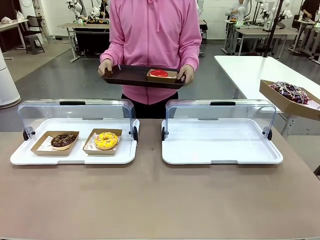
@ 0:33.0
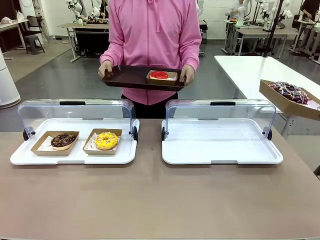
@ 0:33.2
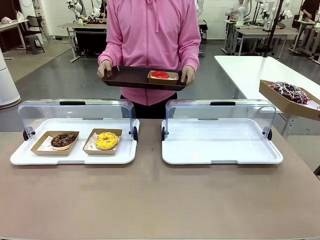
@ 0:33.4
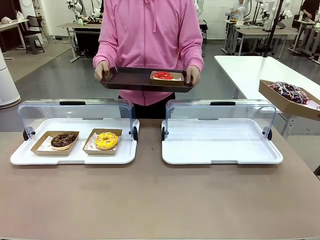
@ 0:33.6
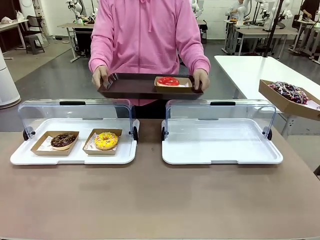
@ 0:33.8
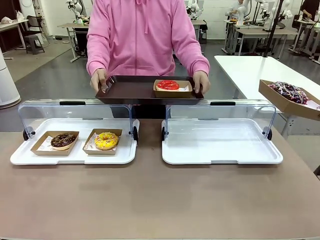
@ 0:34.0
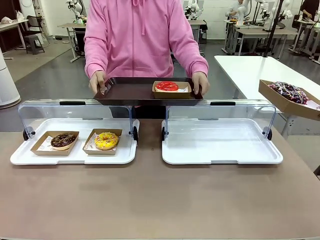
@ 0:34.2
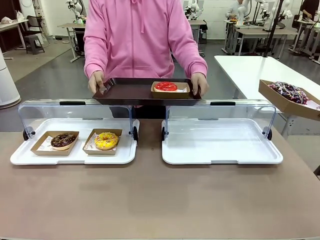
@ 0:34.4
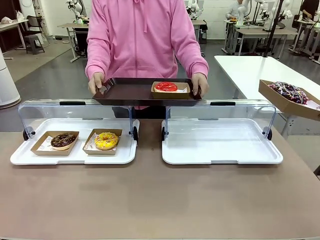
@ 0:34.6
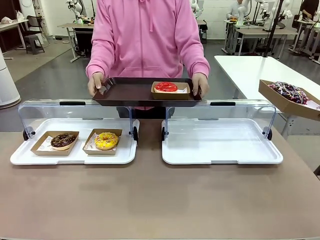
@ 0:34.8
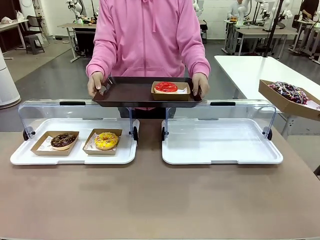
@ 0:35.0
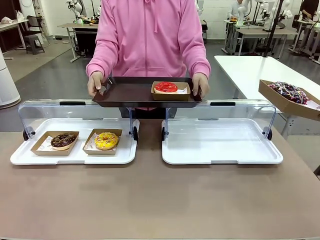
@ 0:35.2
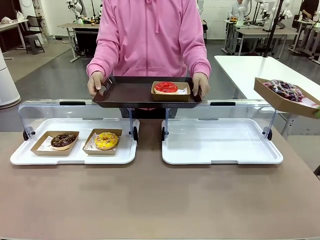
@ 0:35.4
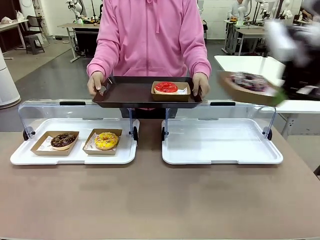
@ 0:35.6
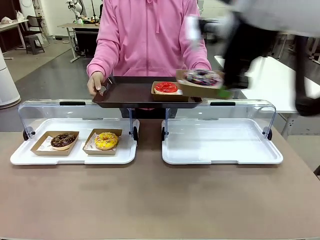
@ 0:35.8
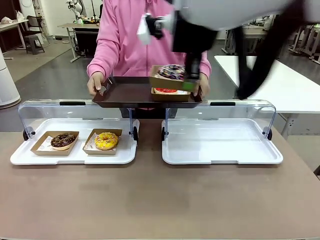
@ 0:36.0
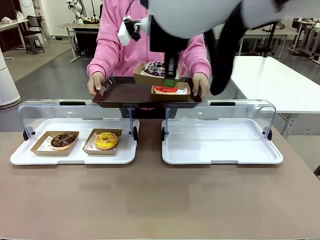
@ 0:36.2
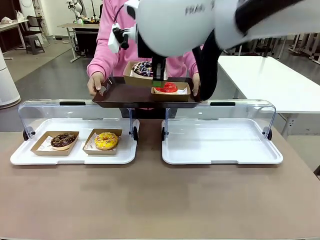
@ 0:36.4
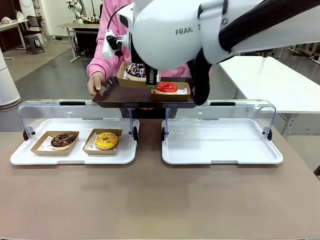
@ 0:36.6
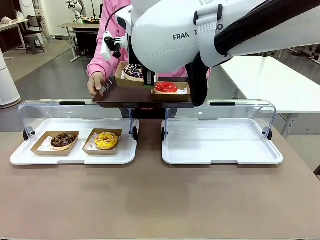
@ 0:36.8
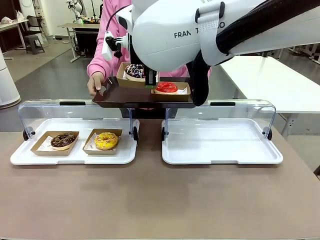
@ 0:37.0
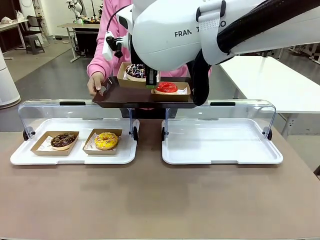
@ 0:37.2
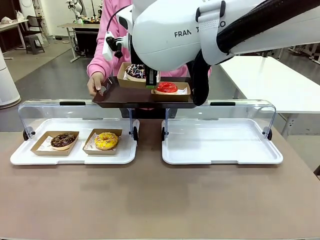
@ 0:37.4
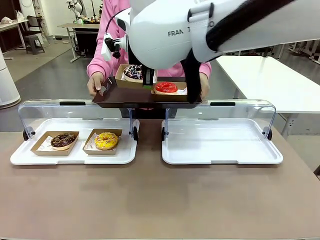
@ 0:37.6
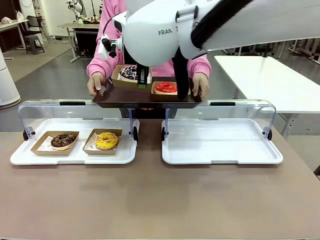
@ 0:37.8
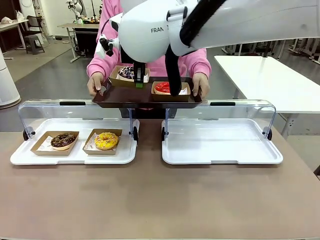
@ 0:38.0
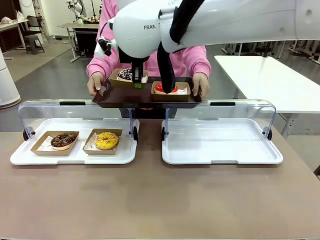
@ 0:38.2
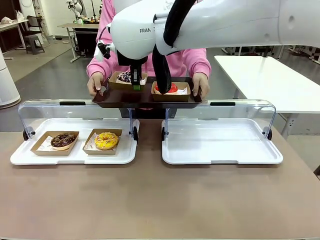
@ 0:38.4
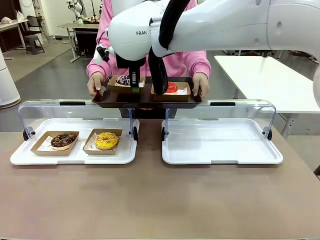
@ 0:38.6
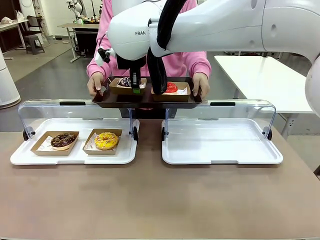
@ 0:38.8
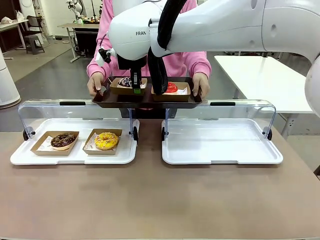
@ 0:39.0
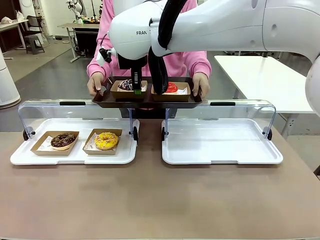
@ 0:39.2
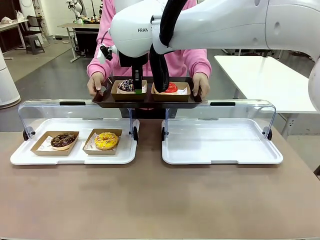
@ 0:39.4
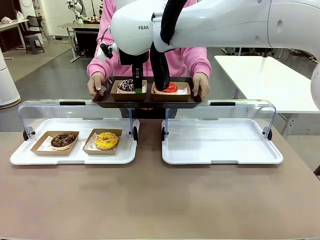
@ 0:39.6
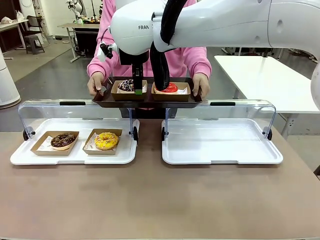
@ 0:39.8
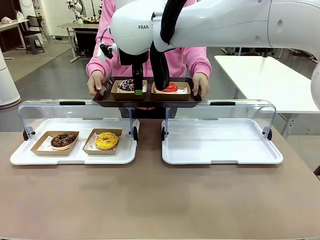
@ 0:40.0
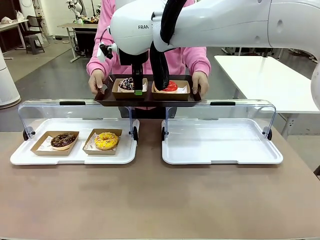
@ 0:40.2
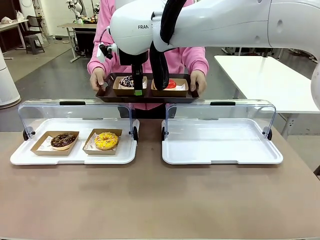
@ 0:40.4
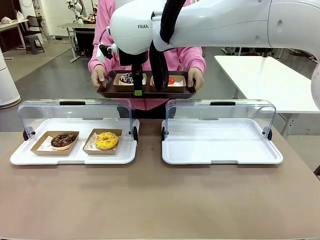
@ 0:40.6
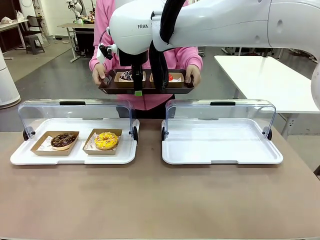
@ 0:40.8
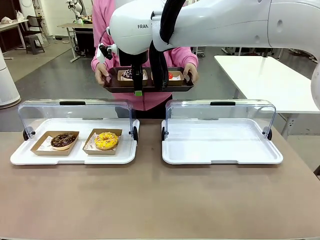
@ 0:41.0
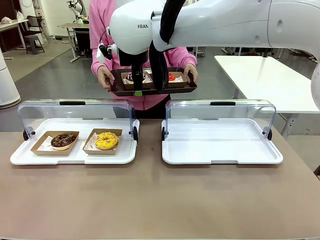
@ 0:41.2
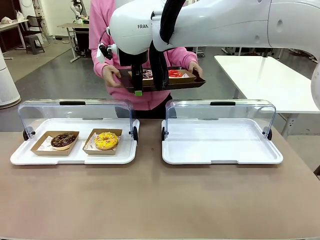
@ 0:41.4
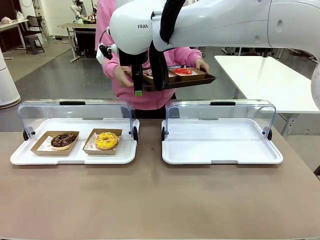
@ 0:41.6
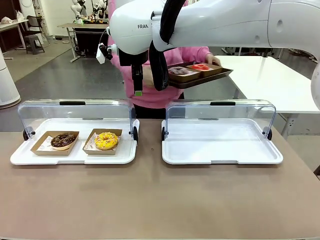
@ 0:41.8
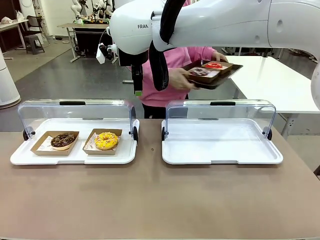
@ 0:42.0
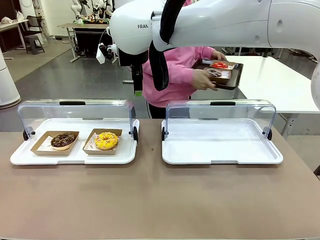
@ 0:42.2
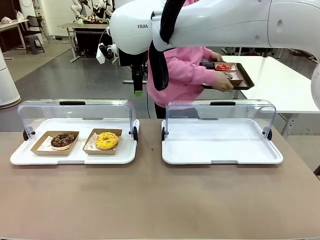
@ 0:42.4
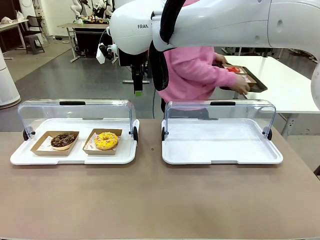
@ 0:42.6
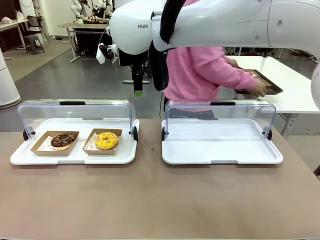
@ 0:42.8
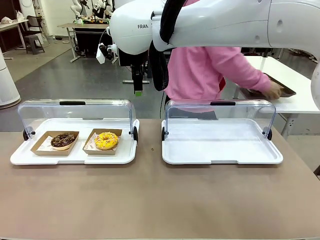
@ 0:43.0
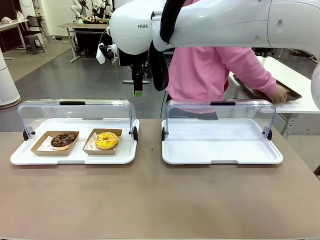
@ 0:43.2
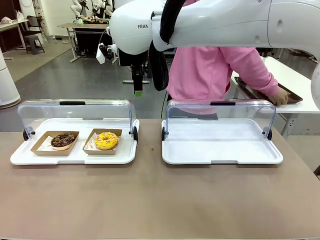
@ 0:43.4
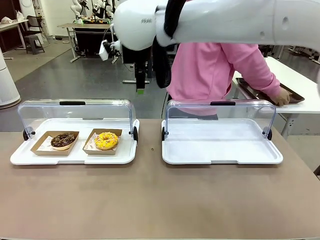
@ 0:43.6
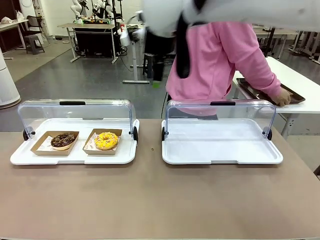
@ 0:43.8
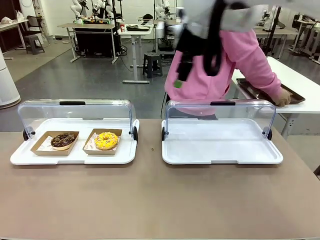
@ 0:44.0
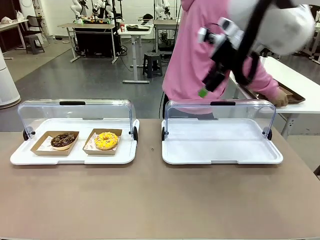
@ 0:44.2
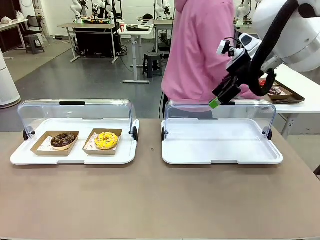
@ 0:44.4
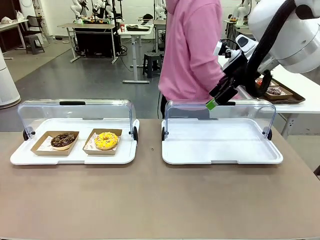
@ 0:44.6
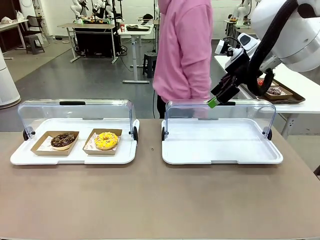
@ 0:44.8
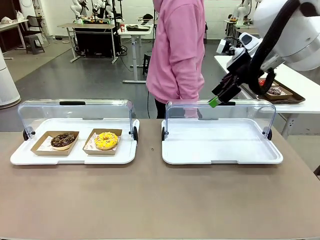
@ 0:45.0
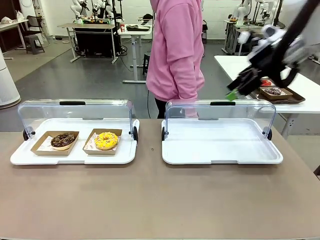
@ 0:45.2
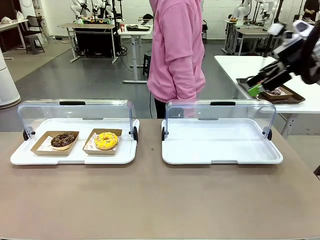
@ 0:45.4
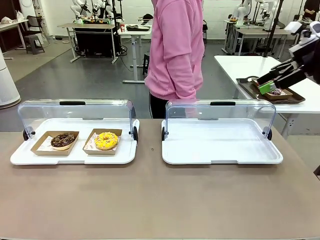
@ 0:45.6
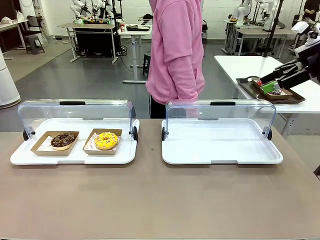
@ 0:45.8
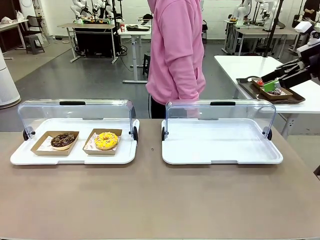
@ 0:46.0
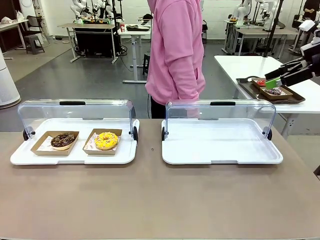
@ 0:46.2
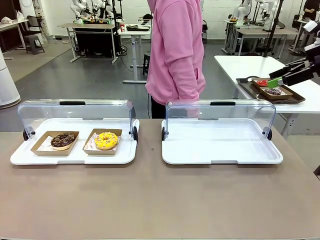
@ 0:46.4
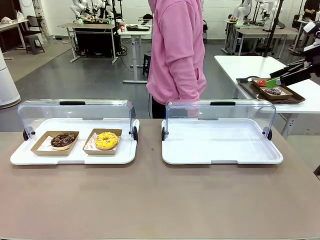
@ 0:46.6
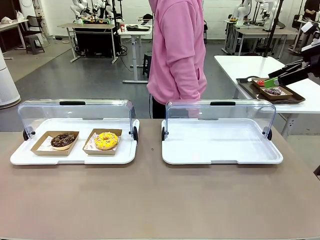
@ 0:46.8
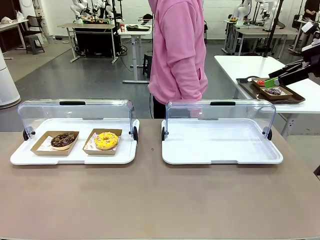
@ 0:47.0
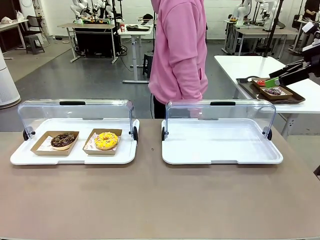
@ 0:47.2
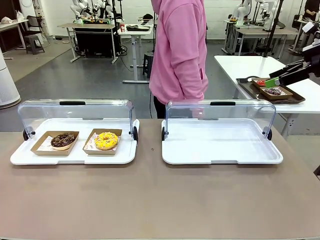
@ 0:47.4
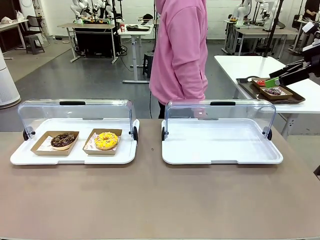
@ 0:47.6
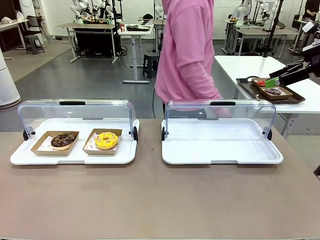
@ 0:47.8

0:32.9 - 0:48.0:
Task: Provide the desired donut to the person.
Robot: Place the picked Paper togo box onto the Handle tray extended by the person.
Person: Place the tray in the middle of the human table.
